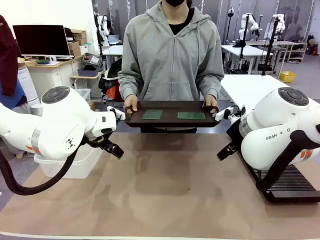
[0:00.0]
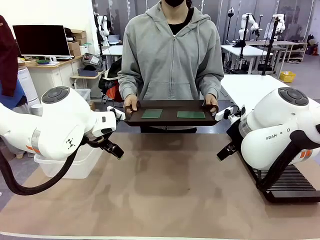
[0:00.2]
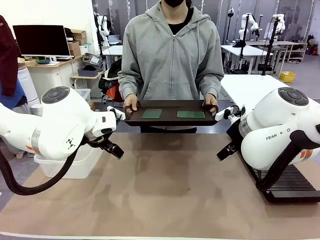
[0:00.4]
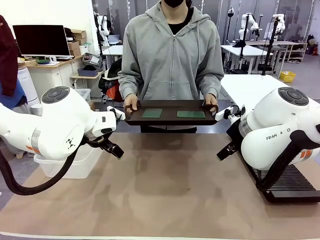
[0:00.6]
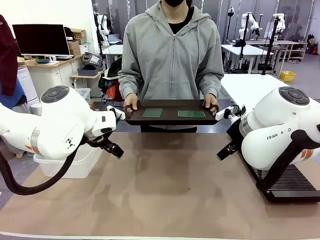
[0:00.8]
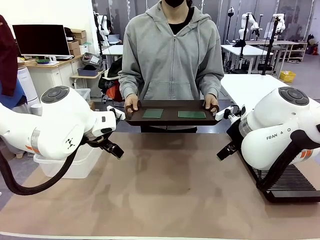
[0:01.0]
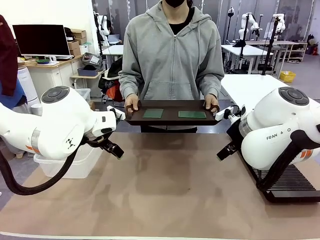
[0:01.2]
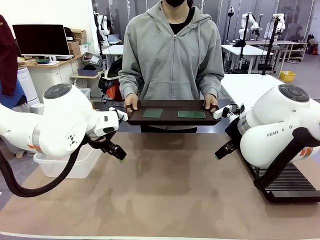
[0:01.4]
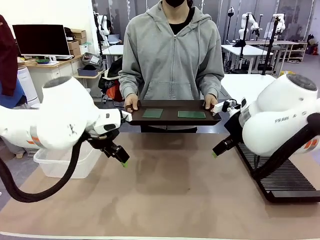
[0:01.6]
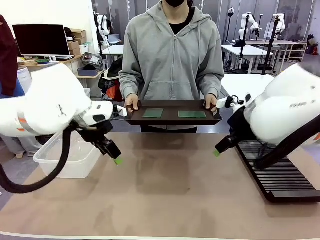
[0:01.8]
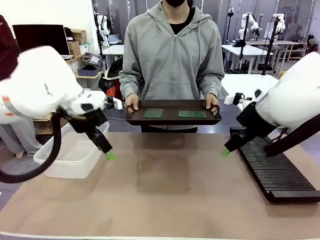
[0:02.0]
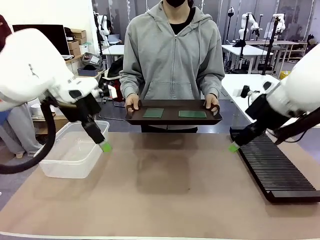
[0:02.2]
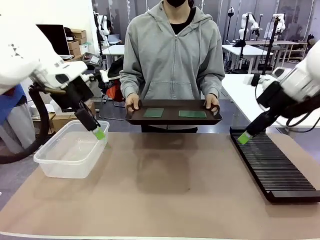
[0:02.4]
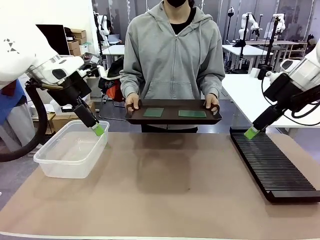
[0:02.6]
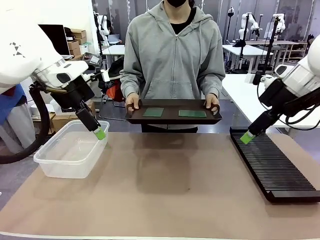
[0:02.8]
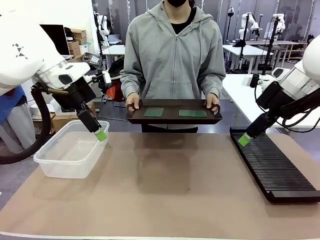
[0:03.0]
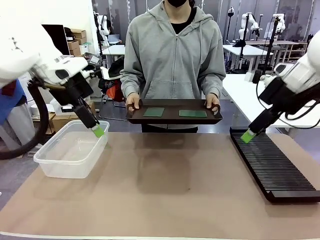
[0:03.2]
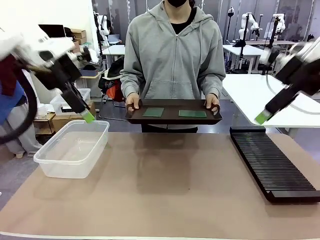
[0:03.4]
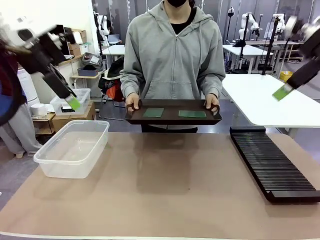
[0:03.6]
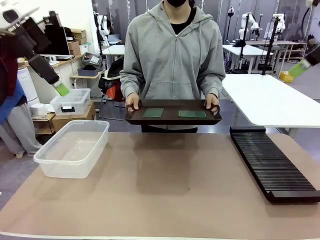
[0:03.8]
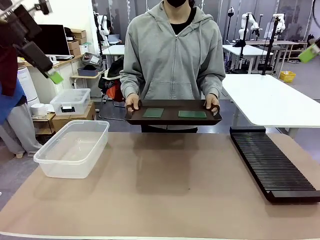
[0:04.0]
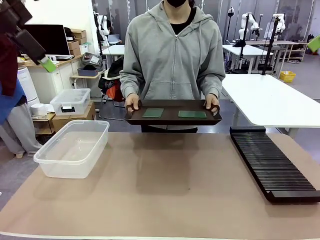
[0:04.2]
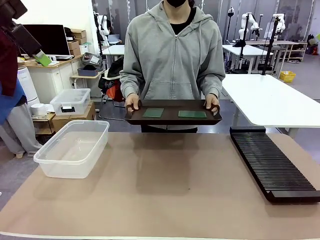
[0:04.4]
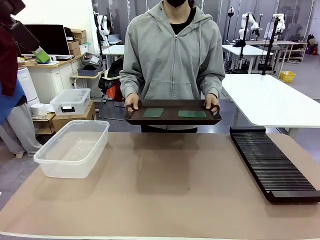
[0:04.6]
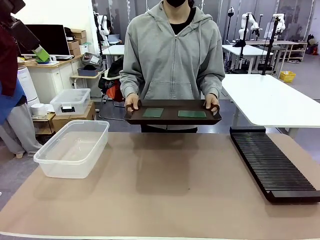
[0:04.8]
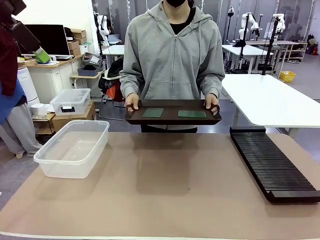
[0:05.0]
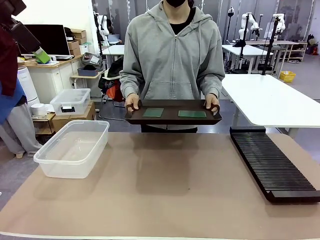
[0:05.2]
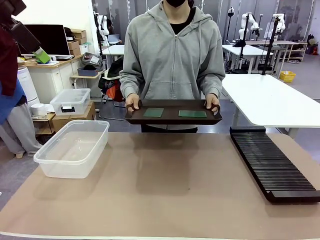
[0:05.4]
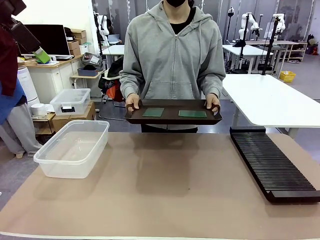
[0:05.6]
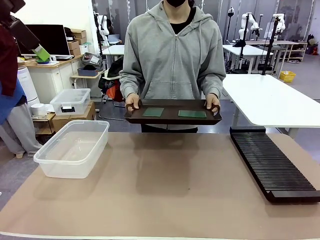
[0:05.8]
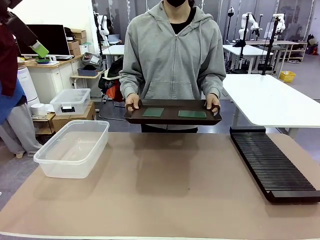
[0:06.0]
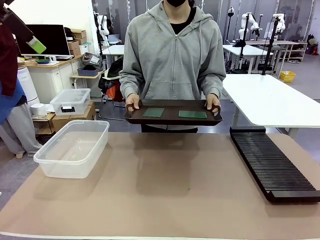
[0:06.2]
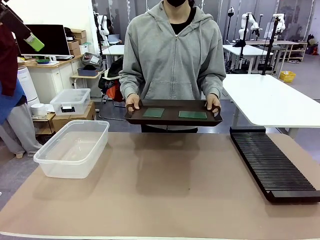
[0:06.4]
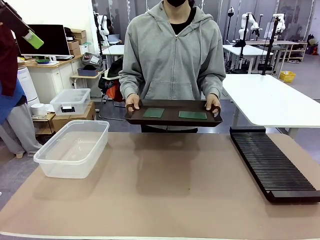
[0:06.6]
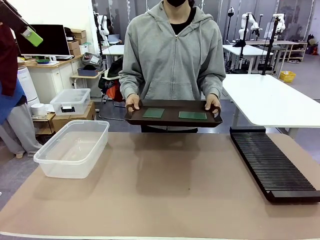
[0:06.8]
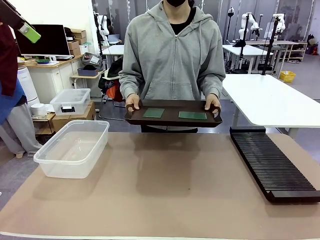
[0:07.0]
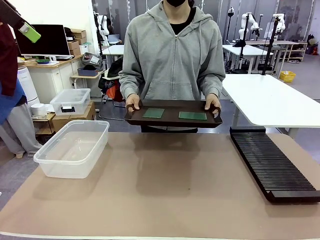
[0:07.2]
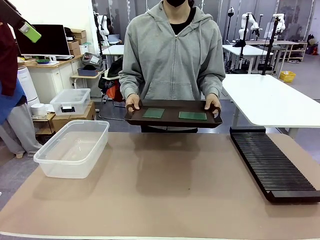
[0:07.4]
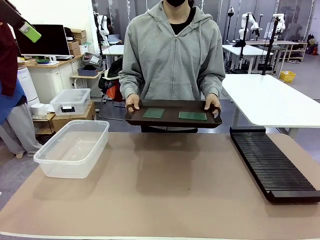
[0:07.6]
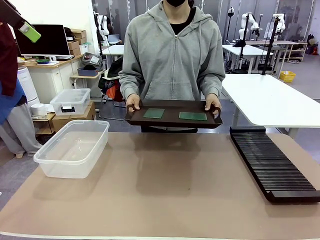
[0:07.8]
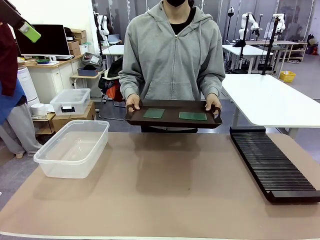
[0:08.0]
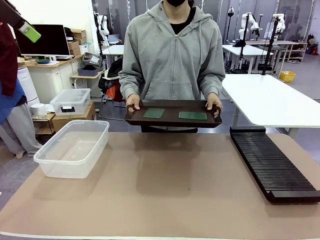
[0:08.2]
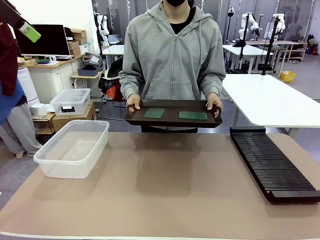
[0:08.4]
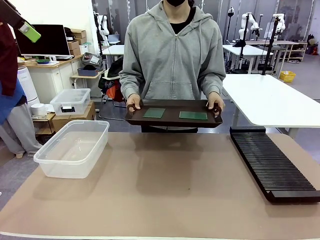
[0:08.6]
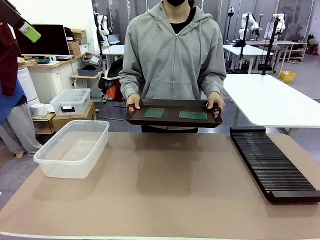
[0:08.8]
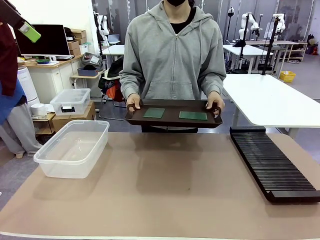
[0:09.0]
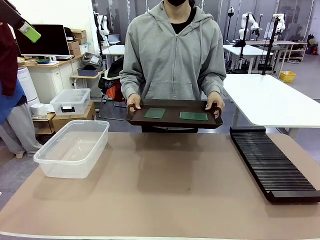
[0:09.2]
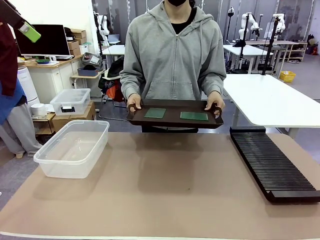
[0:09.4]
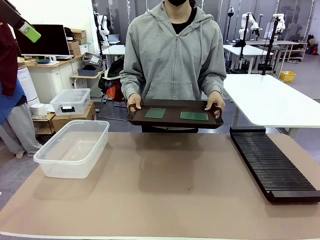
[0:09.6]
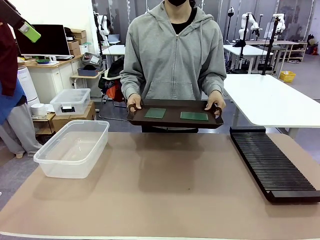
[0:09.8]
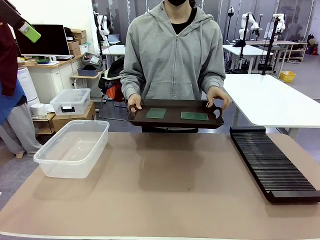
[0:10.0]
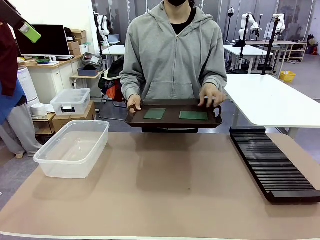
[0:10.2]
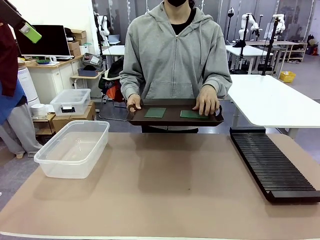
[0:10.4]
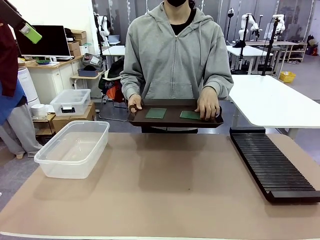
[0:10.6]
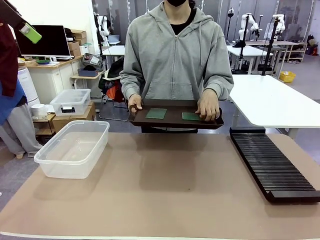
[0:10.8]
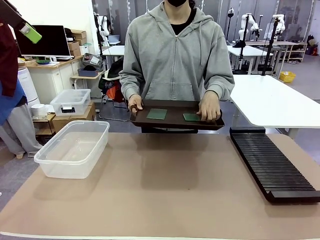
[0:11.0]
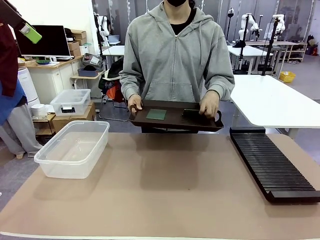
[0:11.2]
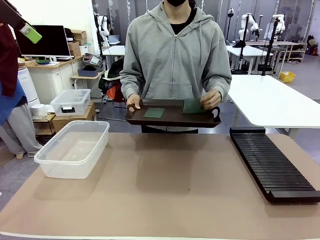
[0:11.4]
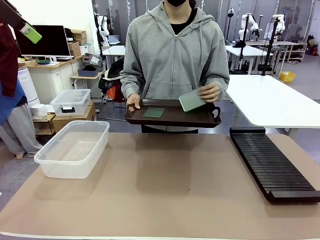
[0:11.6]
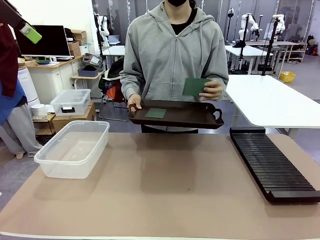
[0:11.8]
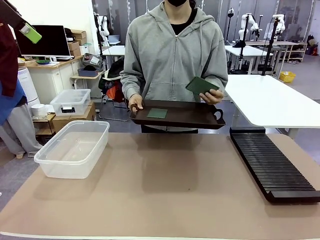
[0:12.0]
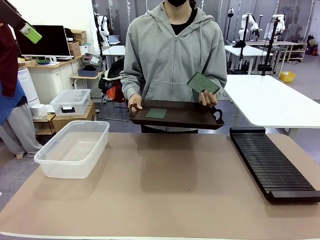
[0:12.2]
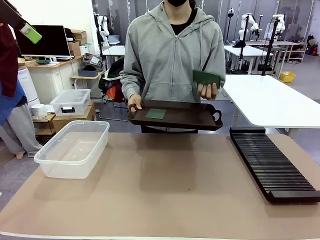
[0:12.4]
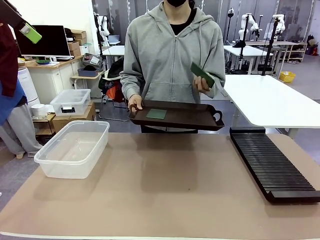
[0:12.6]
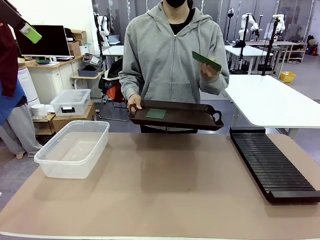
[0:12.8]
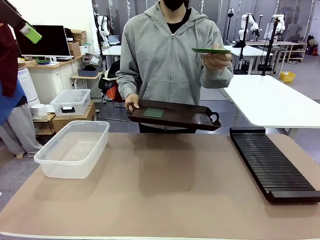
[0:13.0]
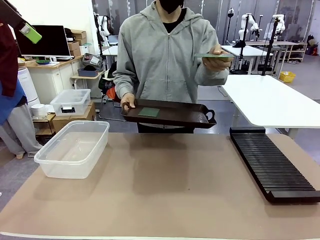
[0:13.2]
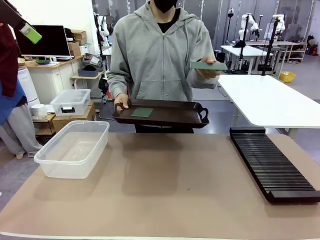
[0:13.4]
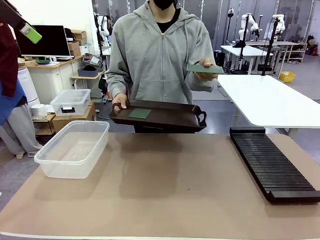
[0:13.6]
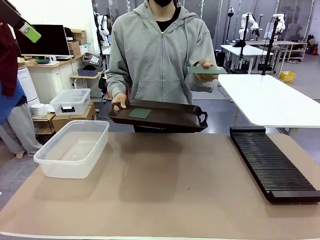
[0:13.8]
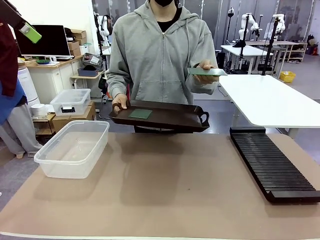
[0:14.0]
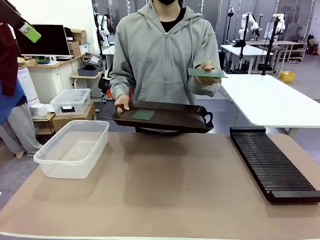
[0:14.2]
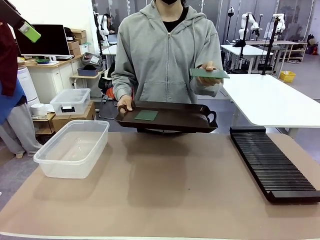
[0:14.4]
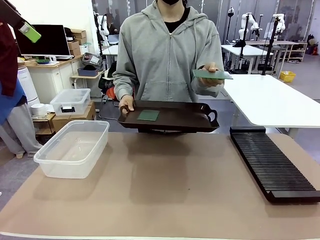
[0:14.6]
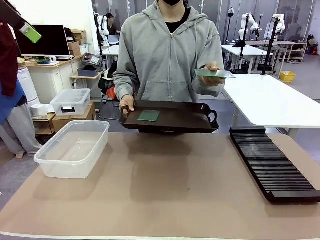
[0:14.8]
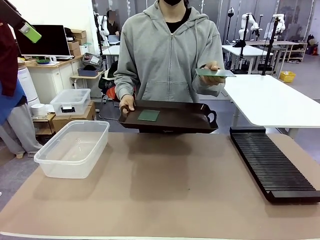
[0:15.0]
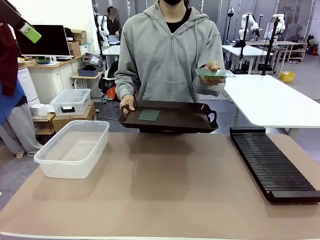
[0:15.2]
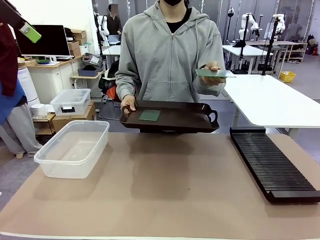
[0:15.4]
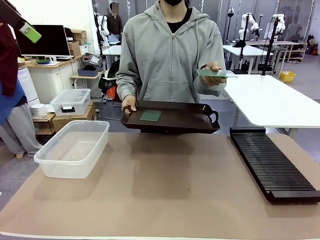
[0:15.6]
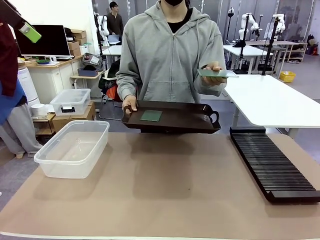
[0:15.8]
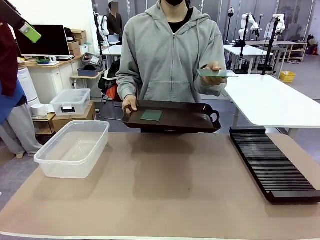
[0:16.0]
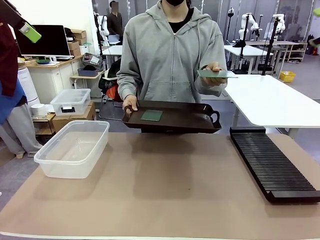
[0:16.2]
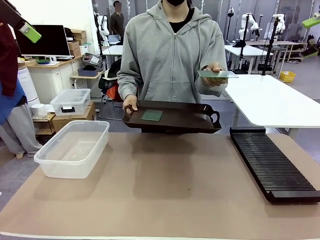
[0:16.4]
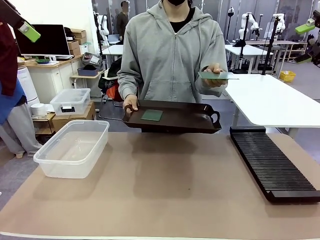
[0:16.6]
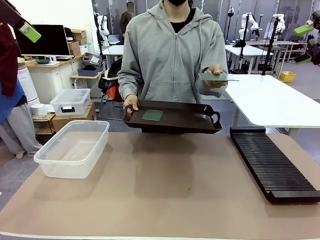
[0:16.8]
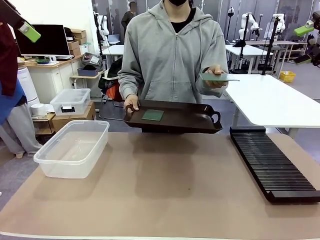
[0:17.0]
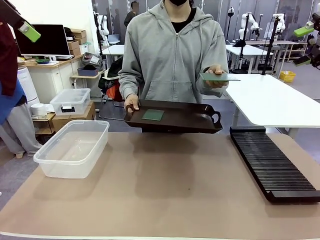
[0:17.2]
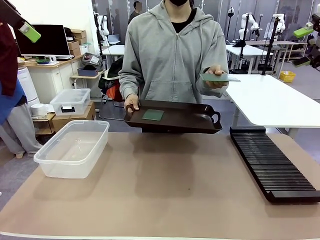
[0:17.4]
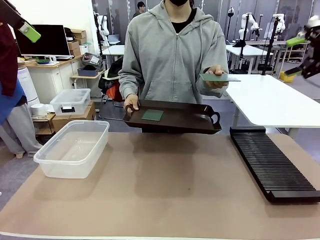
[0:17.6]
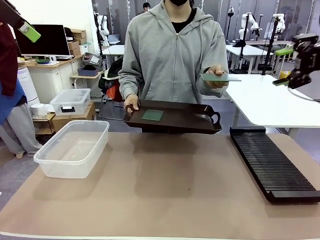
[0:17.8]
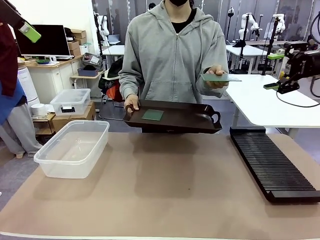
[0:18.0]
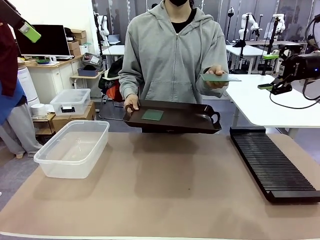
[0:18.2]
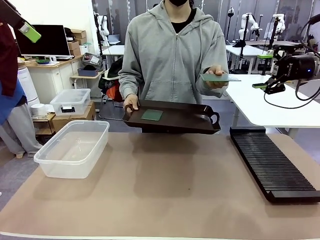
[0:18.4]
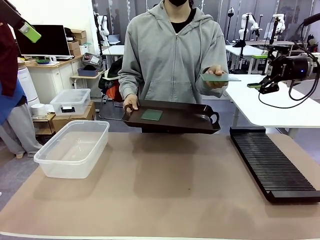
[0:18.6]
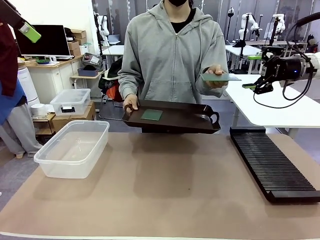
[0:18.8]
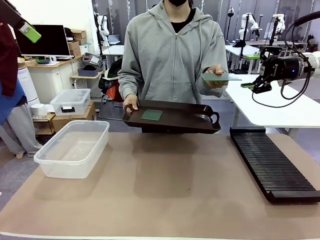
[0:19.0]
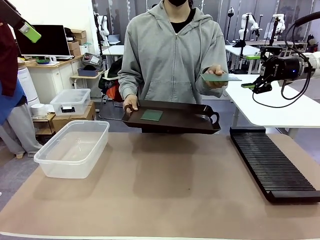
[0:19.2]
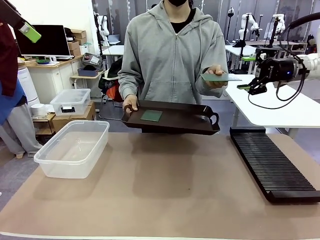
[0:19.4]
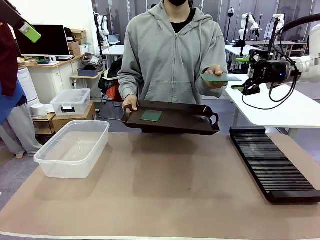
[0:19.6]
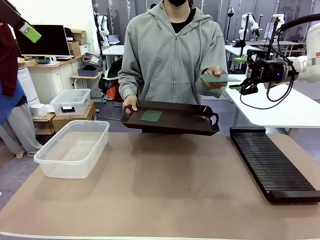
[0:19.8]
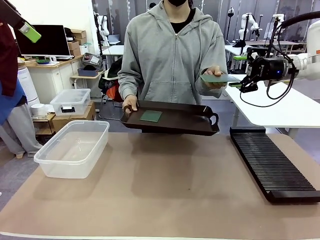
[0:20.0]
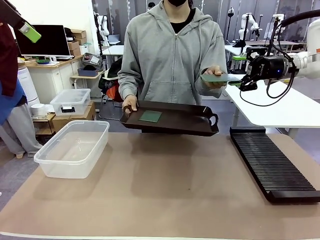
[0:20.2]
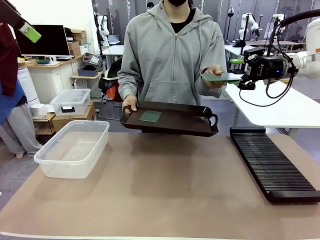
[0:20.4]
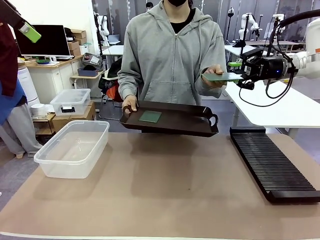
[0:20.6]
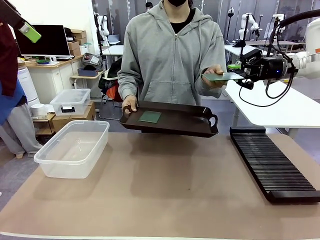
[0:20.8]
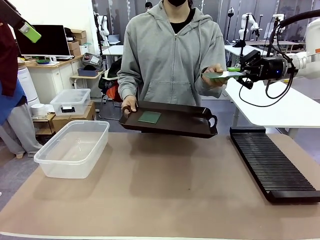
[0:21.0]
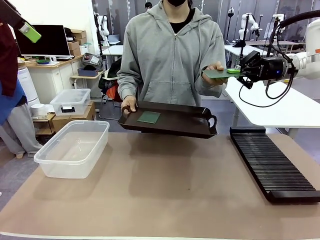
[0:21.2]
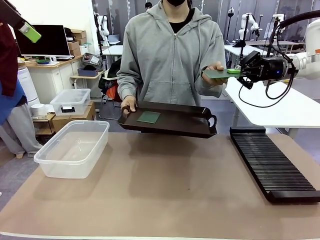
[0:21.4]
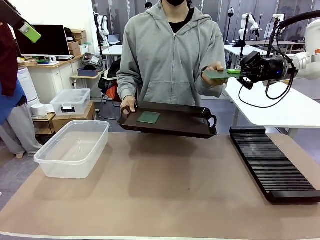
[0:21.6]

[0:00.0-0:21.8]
Task: Sort PCBs into racks and boxes based on the side picked up.
Robot: Pick up the Blank PCB handed by the Human.
Person: Pick one PCB from the tray and present it to the robot. Release the PCB being held.
